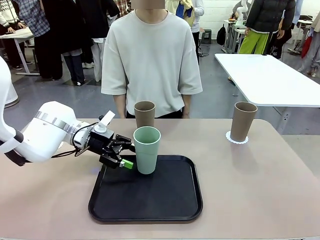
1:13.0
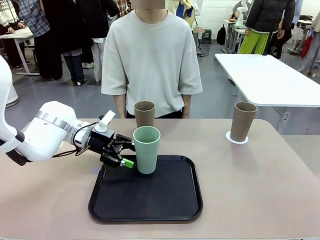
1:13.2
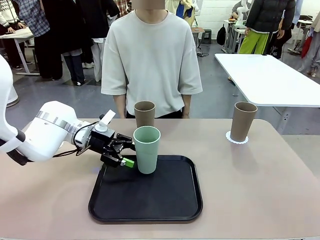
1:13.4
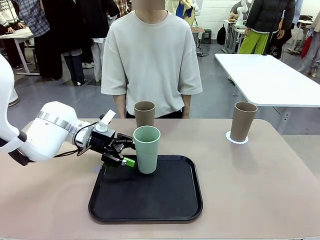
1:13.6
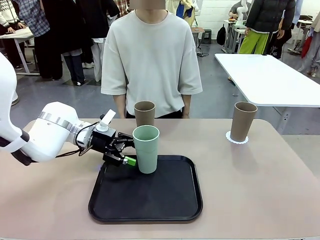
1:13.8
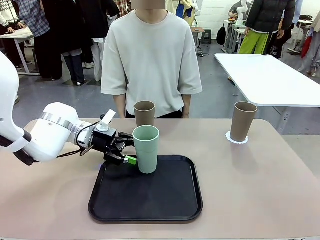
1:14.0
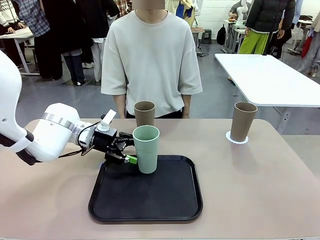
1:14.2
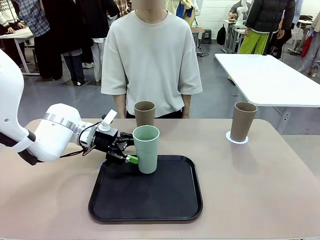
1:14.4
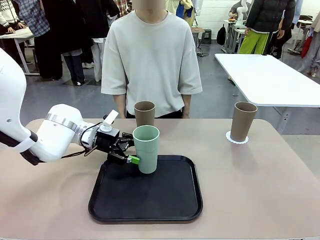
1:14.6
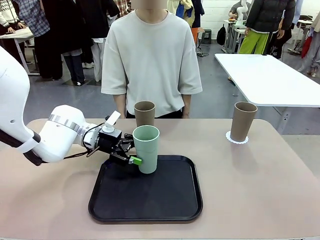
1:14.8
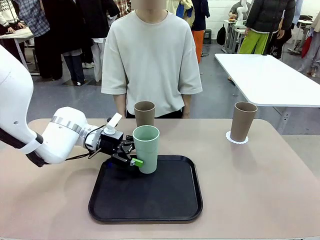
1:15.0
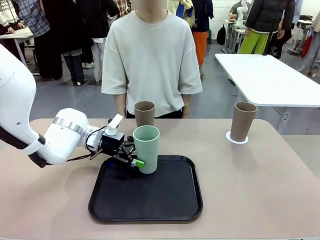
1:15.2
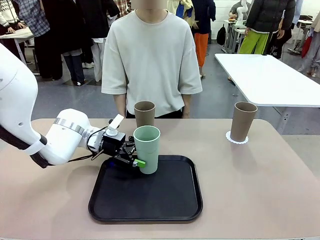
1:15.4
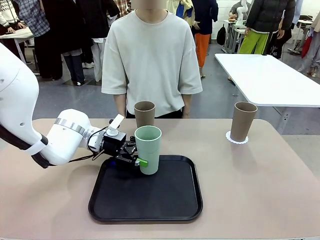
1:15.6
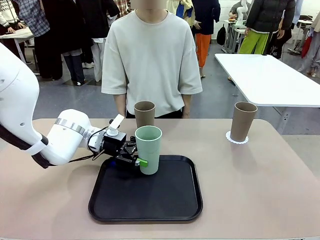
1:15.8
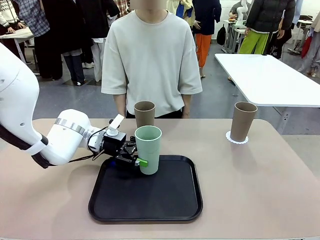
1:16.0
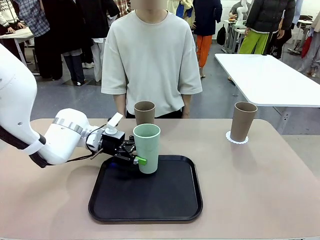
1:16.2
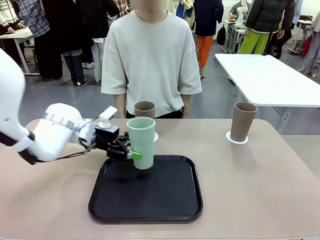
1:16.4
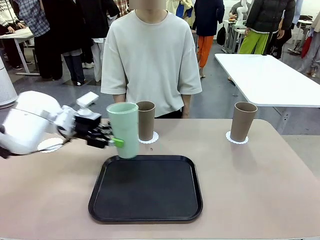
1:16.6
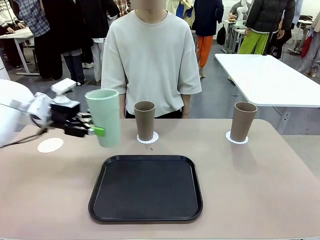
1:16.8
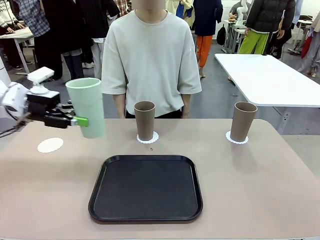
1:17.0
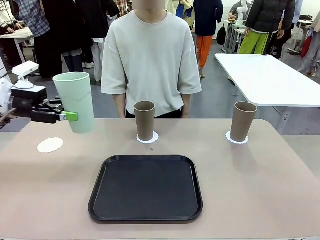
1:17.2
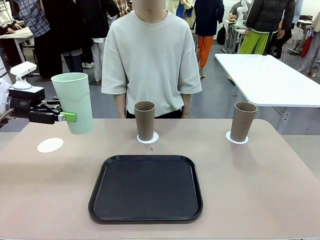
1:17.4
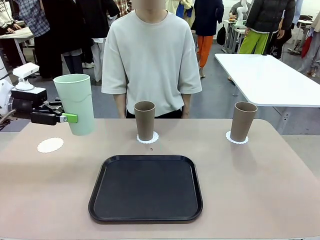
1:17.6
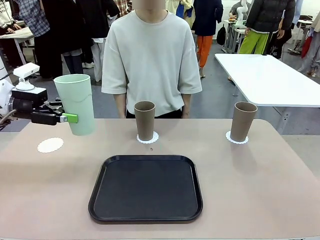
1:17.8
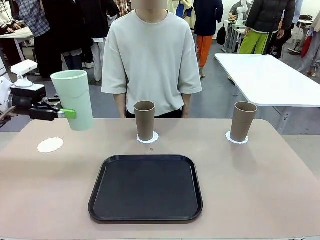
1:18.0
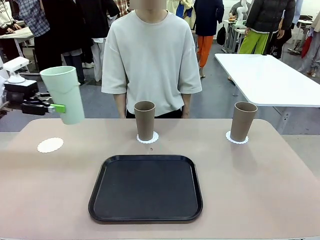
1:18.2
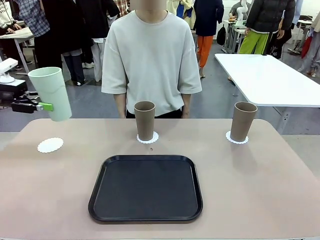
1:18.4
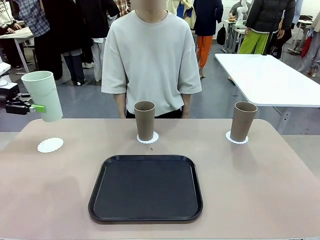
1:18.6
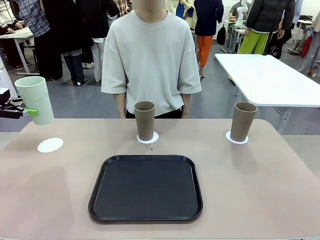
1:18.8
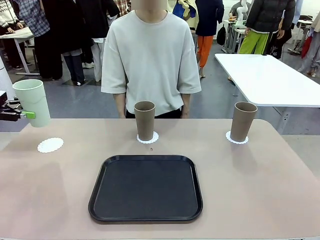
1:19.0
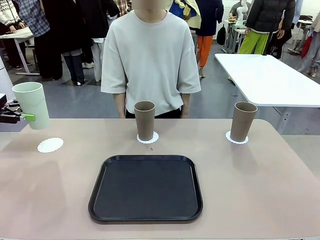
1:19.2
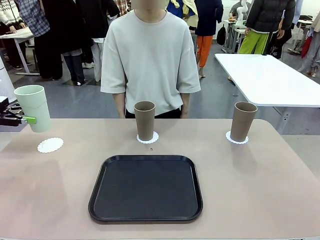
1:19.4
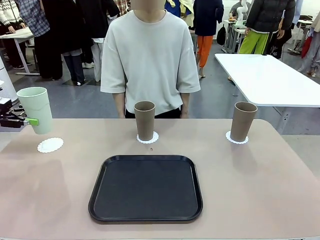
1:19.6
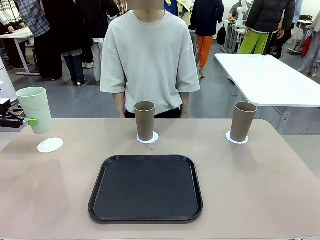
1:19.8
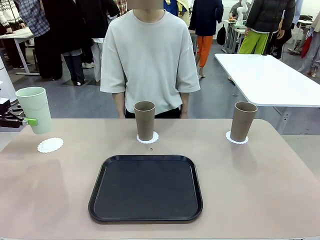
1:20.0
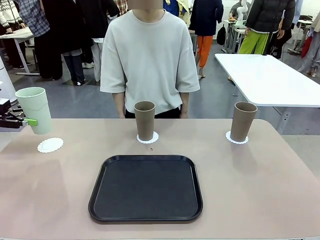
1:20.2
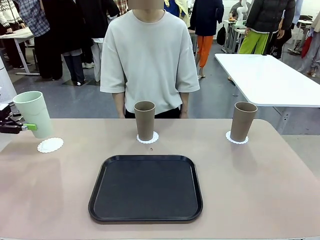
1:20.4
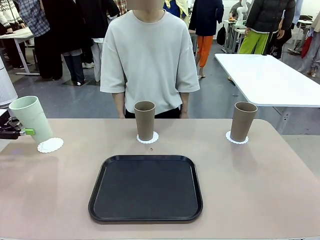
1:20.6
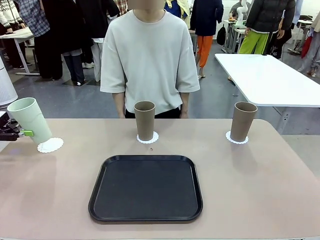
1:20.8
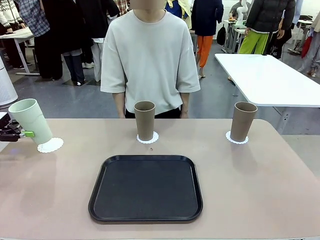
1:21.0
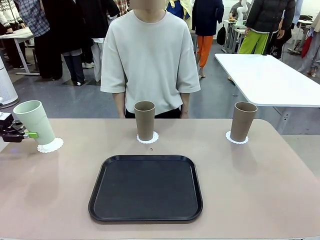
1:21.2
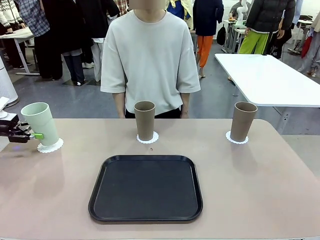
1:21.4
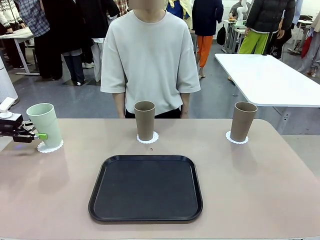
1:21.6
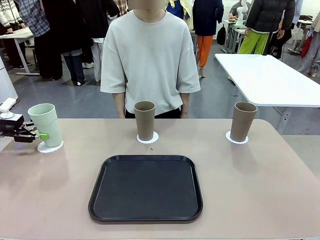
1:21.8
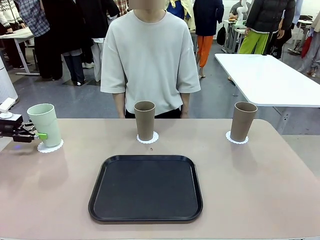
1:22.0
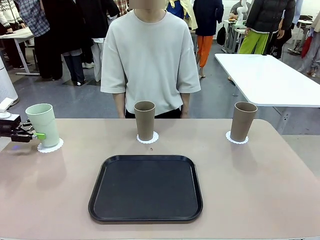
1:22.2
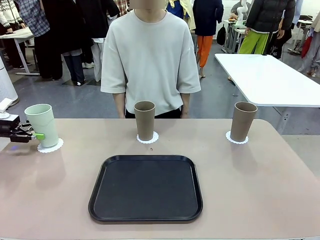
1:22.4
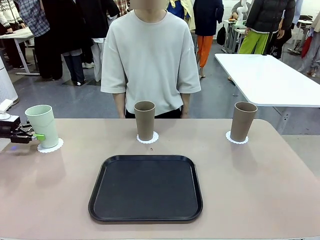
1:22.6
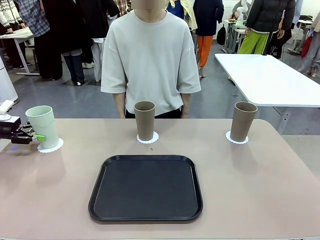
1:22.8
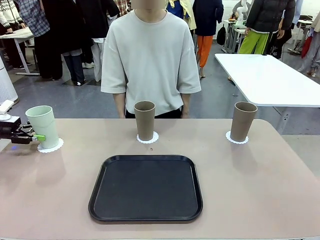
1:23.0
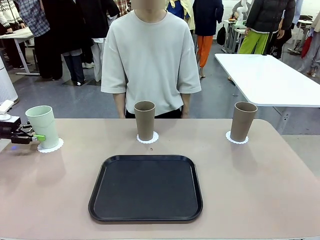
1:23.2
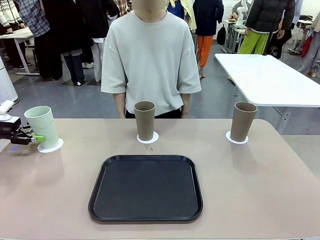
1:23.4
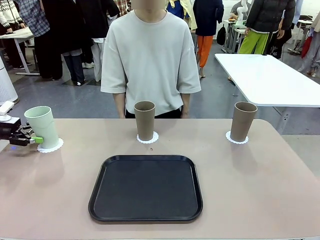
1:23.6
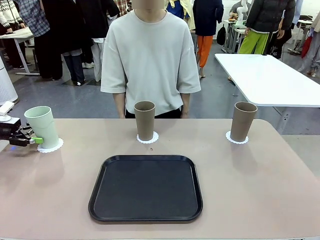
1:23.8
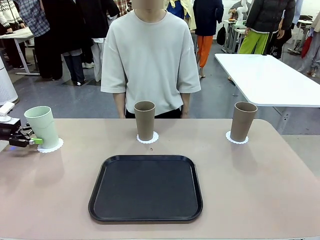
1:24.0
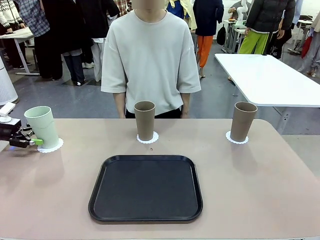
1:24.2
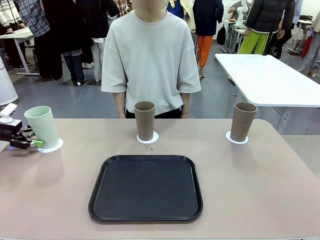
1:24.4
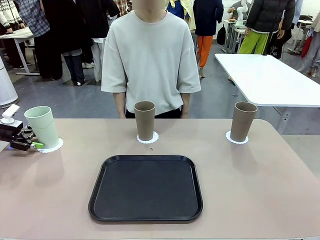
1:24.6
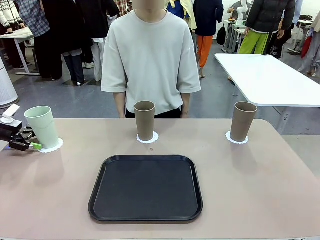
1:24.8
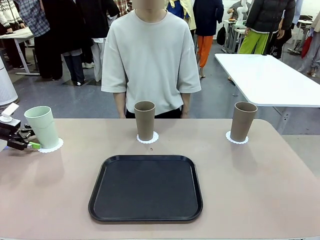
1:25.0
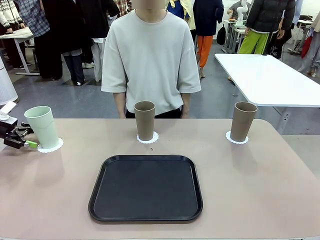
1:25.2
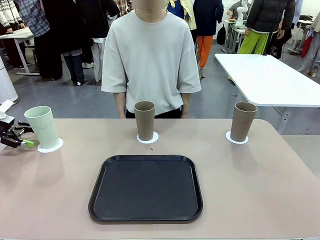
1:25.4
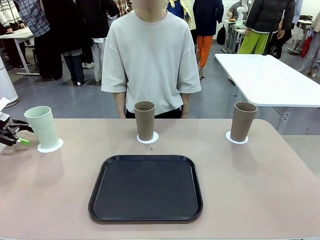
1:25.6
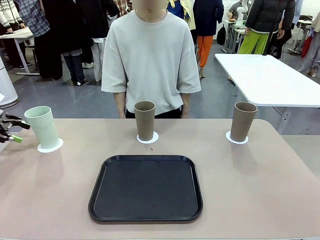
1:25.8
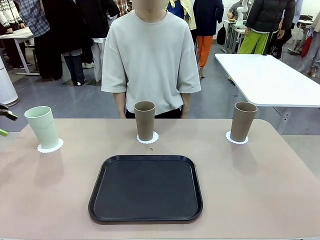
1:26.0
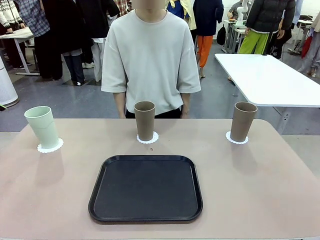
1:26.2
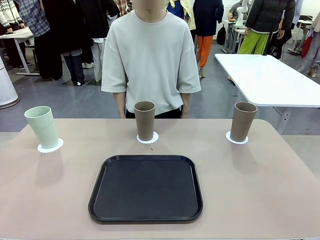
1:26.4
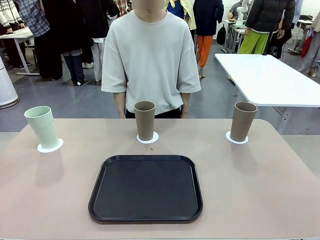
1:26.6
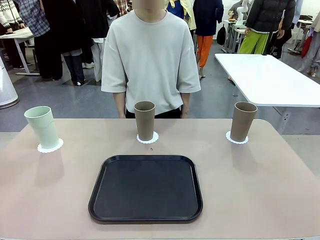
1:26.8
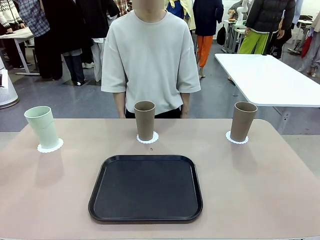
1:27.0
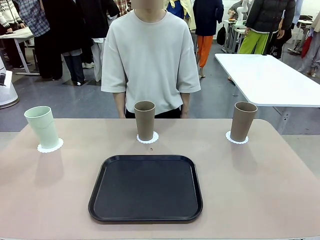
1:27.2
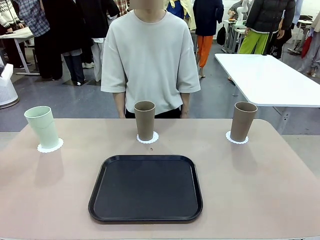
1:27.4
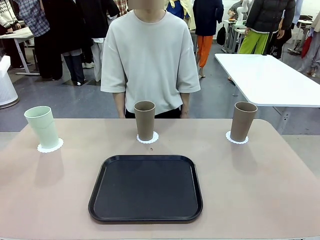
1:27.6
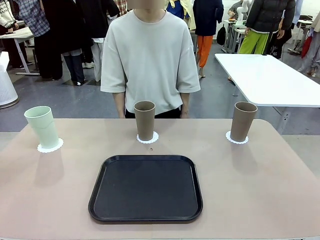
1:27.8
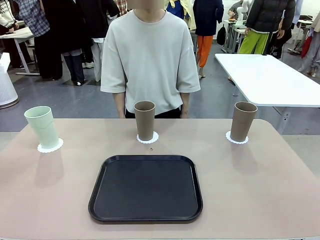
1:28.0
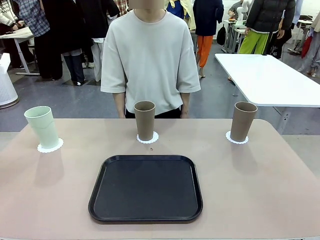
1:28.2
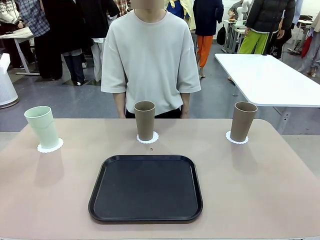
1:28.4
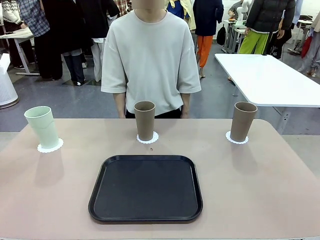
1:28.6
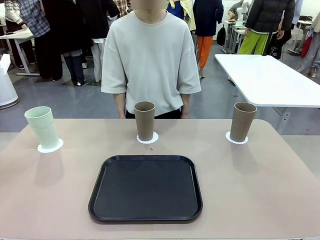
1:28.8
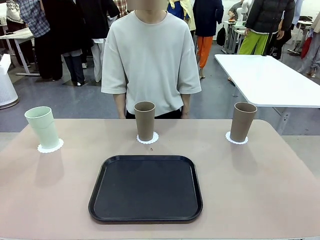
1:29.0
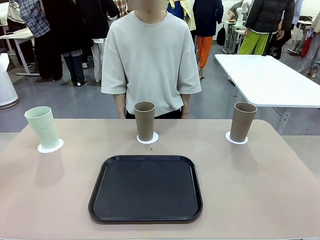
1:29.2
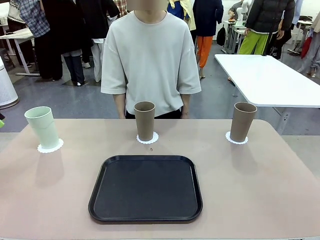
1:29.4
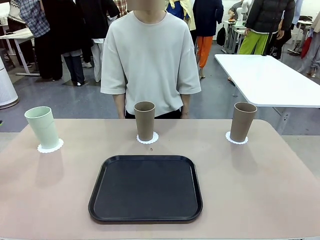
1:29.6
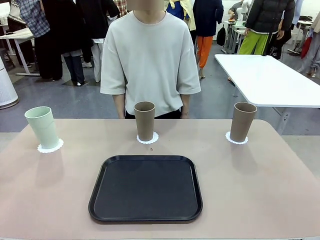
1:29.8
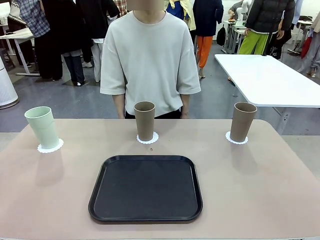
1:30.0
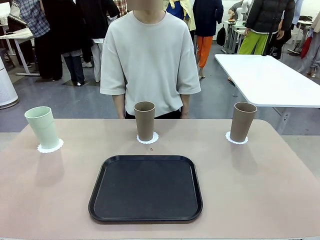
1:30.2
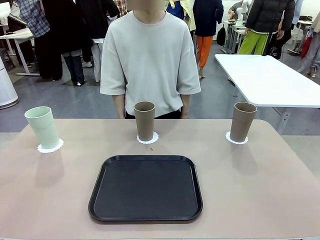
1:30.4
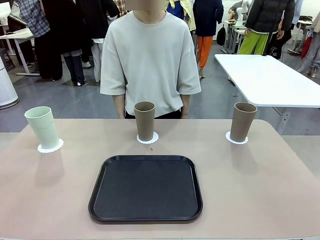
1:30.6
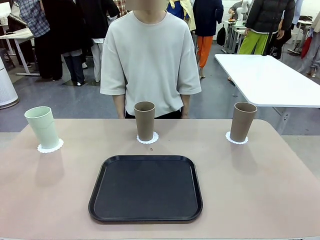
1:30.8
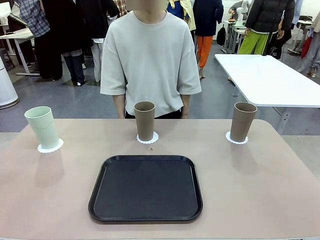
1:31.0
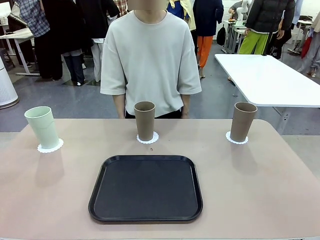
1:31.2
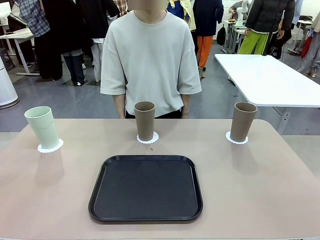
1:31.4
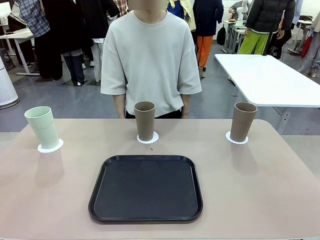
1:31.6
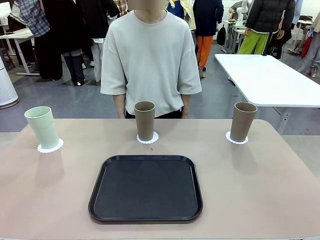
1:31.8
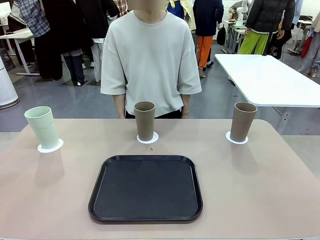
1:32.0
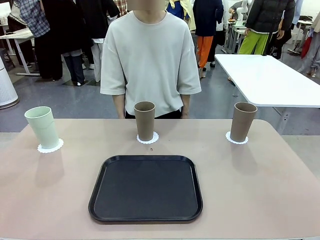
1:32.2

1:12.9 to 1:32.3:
Task: Place coasters on the table and set cups on them.
Robot: Take one Reusable plastic cup from the Flat Tray and place it on a coaster set by the human.
